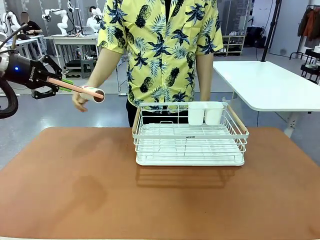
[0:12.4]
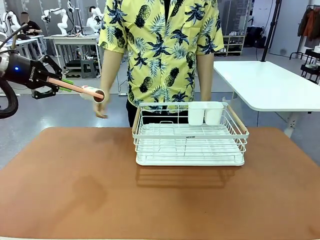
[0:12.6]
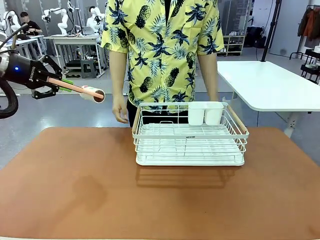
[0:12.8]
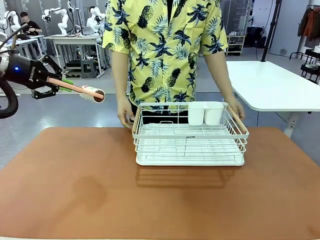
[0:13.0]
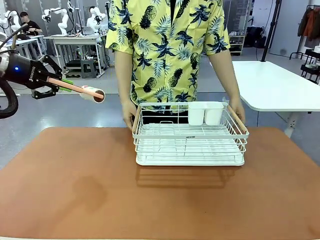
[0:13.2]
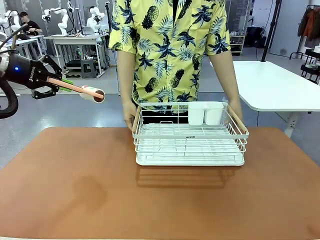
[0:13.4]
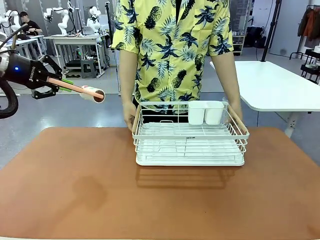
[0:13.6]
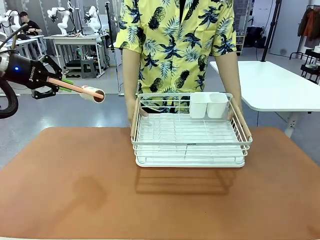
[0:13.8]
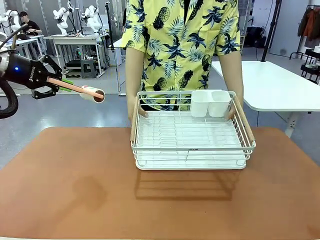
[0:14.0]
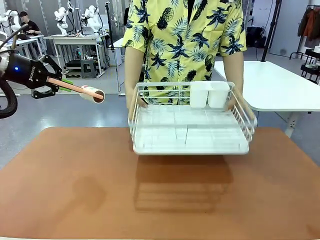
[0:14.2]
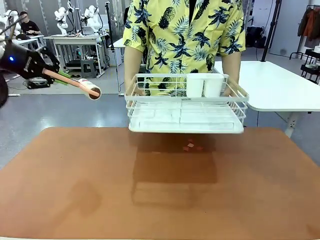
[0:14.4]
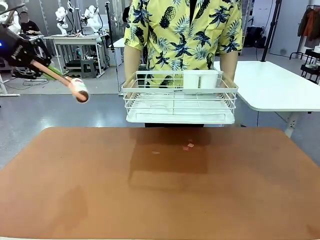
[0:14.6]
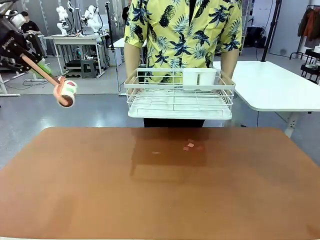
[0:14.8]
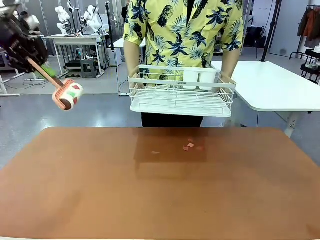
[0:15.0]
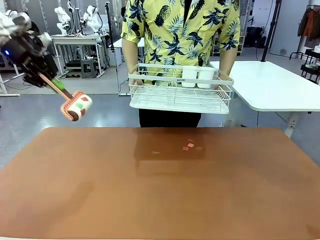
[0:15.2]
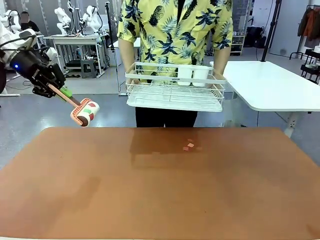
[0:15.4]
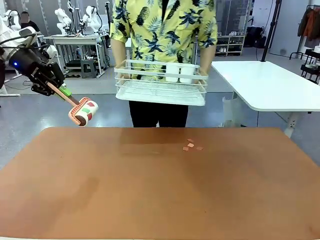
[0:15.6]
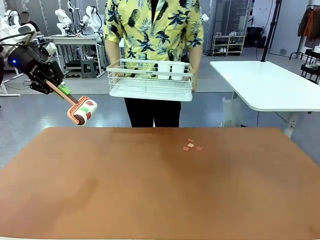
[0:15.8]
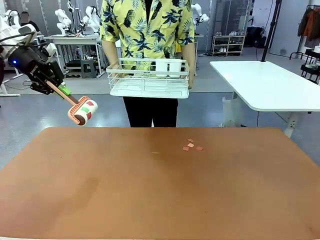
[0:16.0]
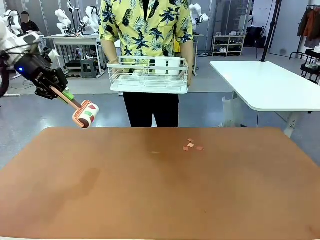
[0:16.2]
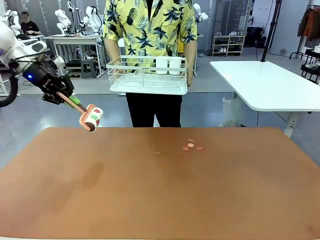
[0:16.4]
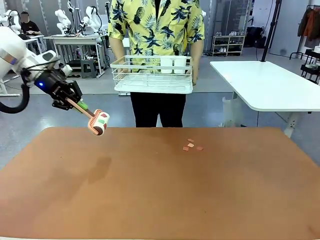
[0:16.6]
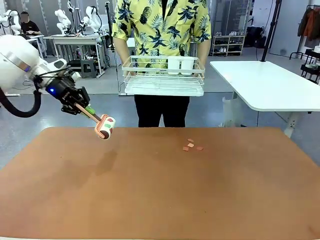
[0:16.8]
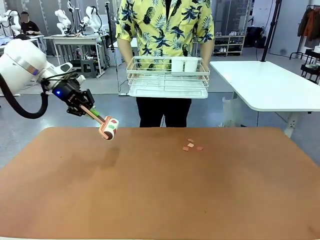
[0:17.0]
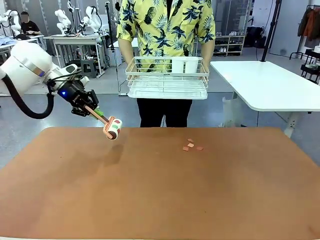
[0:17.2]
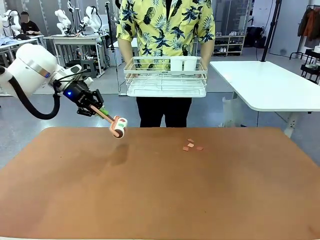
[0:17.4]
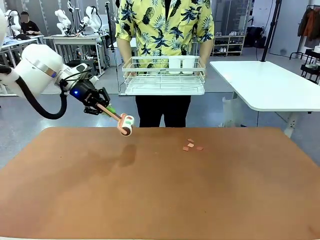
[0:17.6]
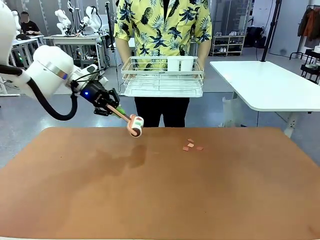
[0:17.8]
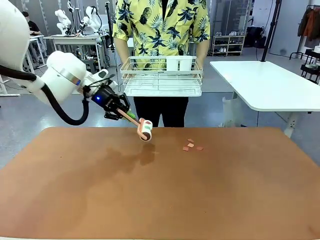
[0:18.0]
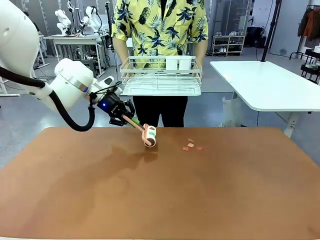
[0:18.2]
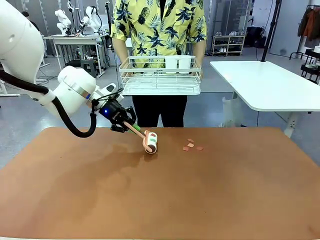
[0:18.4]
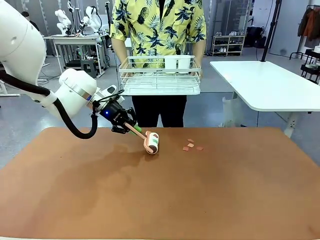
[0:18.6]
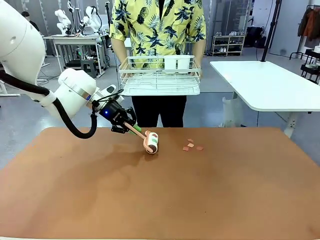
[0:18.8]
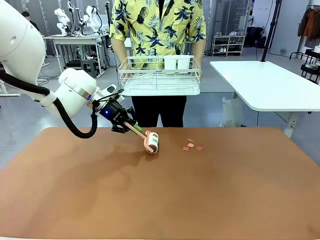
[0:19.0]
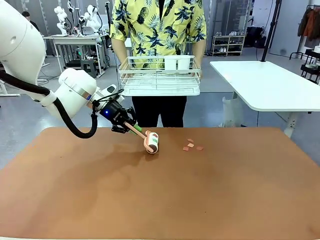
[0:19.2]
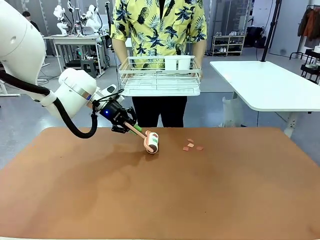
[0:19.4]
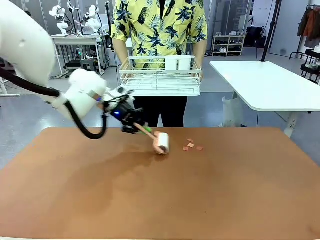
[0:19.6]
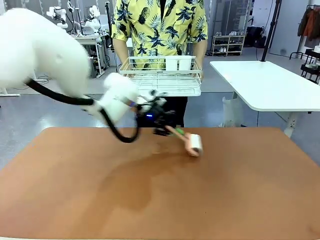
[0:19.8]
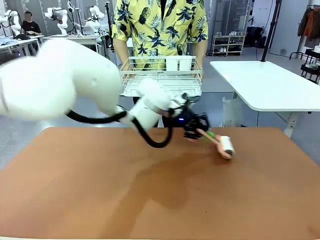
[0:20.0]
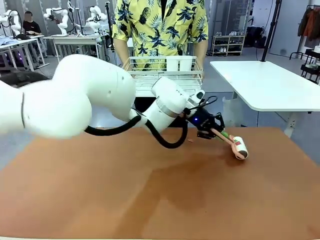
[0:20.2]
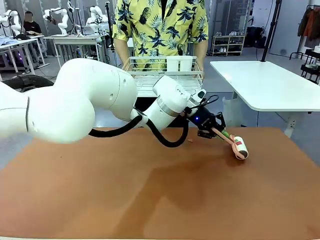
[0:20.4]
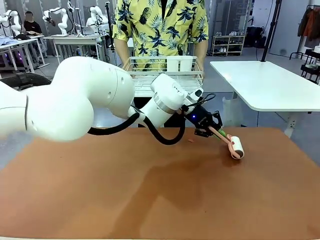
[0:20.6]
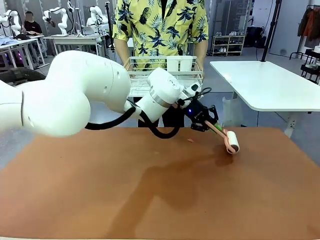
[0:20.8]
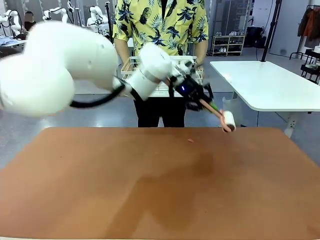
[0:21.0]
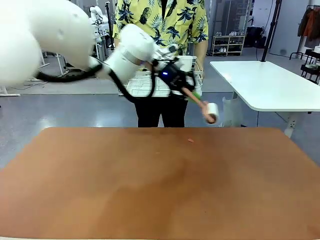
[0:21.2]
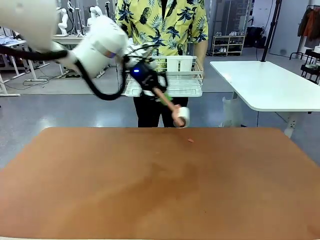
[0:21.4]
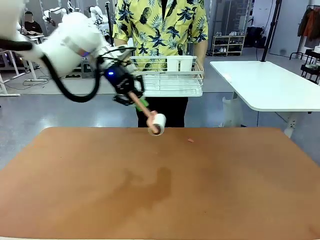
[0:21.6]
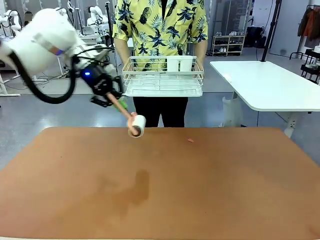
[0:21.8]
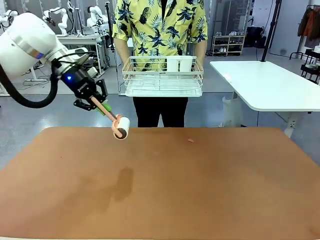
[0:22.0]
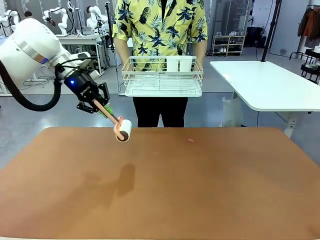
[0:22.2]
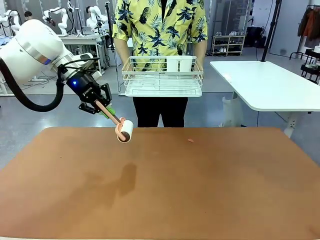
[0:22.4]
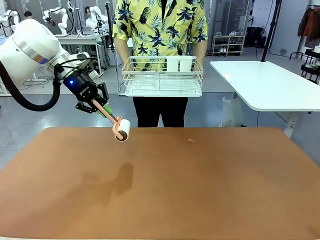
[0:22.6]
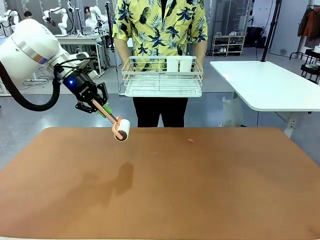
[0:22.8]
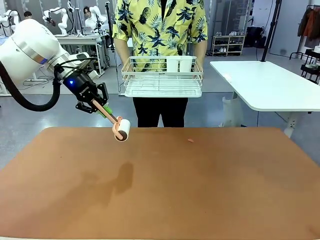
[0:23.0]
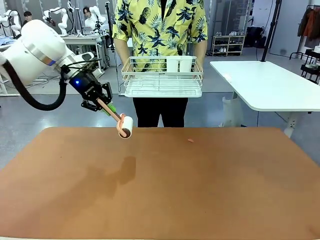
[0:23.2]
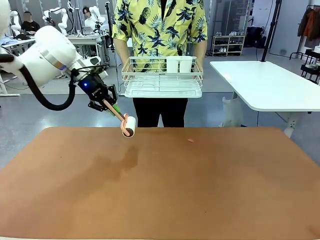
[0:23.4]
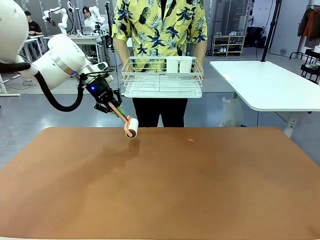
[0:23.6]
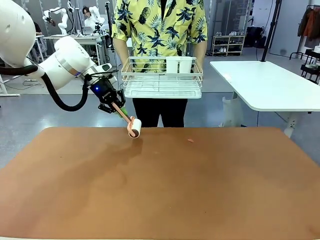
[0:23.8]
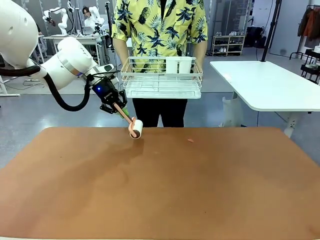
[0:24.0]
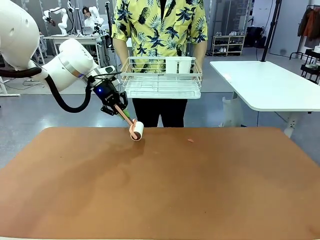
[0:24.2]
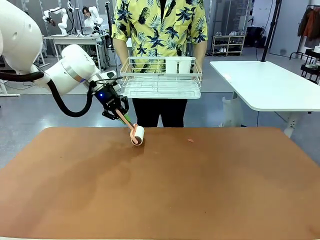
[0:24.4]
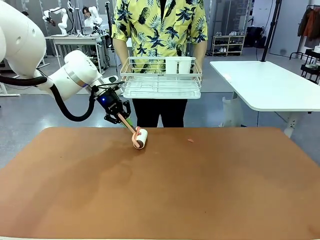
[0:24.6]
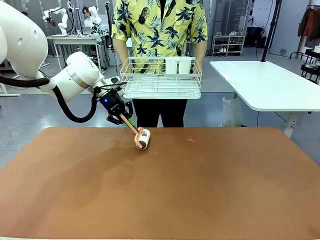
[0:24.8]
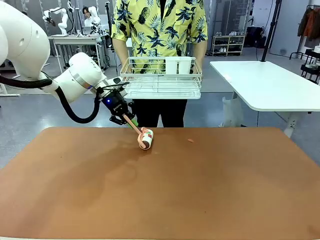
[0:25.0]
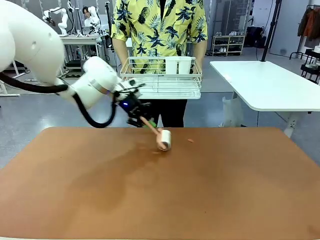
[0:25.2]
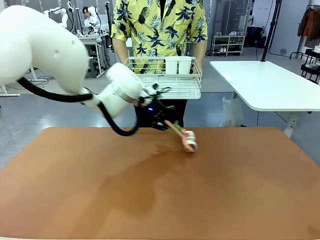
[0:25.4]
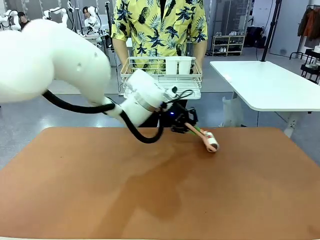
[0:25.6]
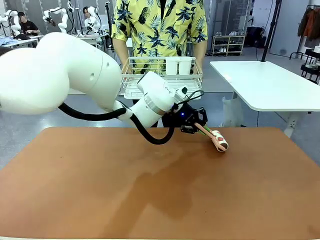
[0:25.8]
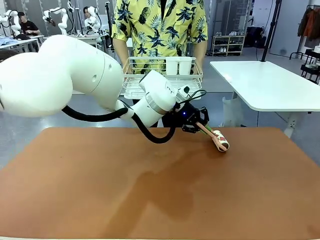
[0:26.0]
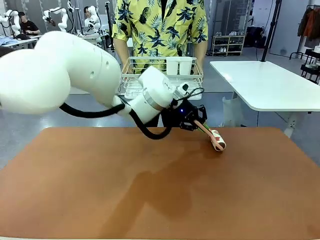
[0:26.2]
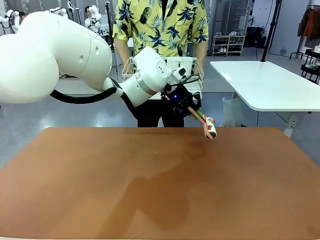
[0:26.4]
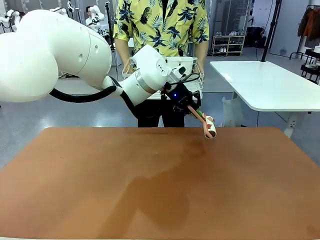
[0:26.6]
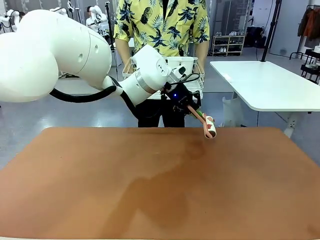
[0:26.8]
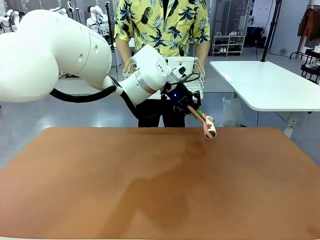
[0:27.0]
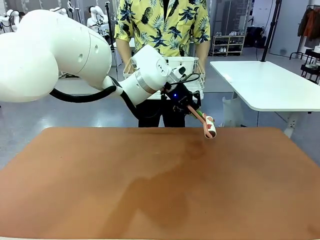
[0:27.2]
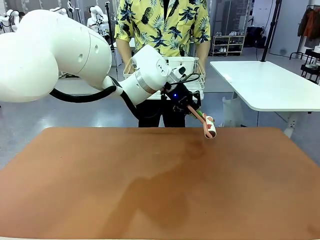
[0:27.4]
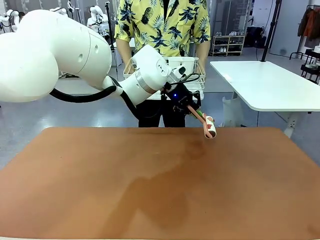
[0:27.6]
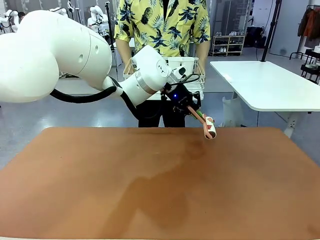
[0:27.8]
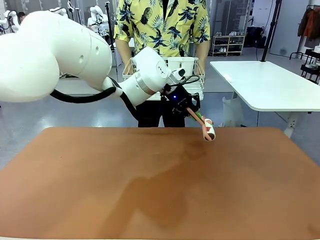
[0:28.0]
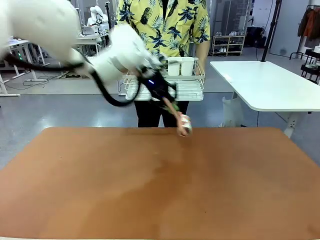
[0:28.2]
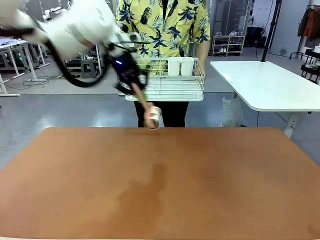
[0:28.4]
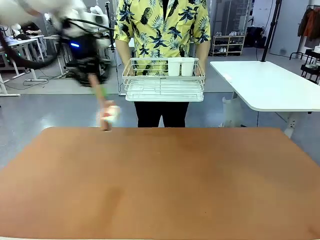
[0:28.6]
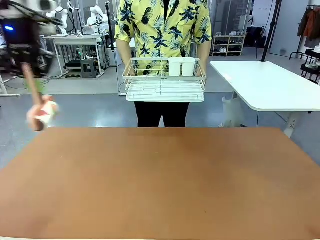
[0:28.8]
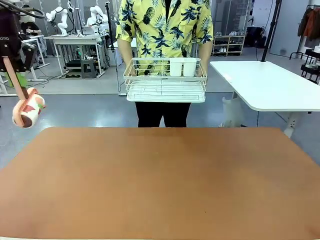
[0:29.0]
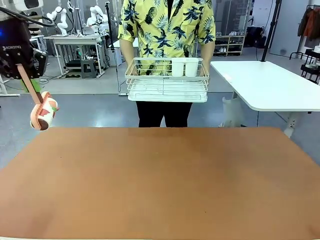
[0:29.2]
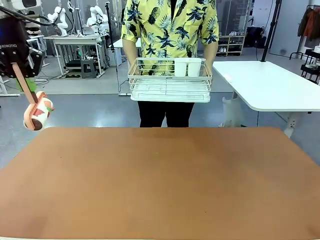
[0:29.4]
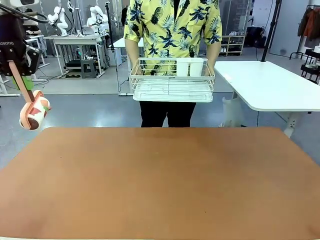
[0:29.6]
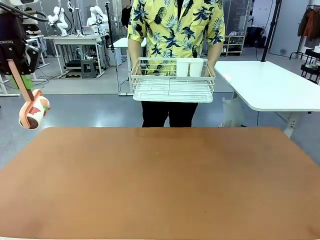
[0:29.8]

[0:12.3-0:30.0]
Task: Clean the table.
Robot: Clean the table with the Lint Roller when the human lifts the Dish drying rack.
Person: Place the Dish drying rack down when the robot finishes cleaning.
